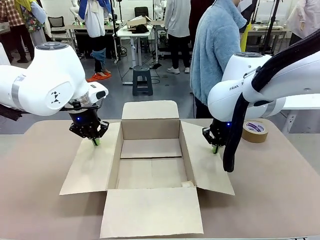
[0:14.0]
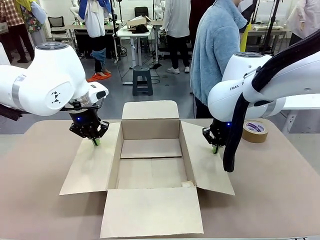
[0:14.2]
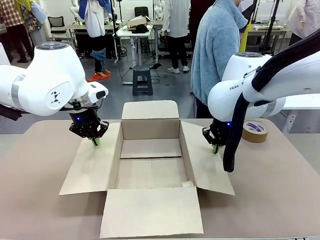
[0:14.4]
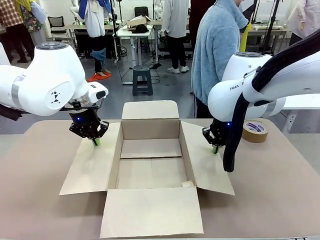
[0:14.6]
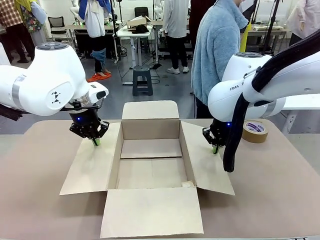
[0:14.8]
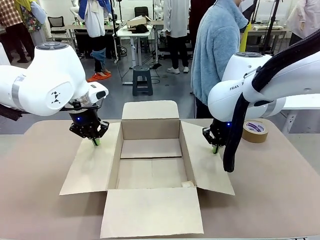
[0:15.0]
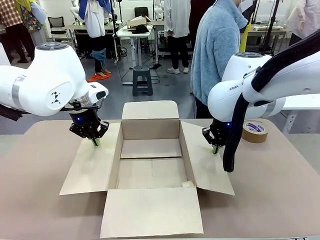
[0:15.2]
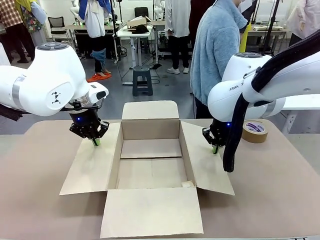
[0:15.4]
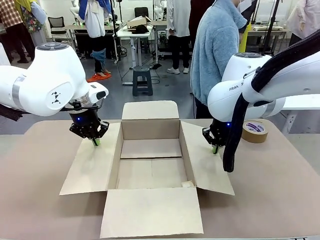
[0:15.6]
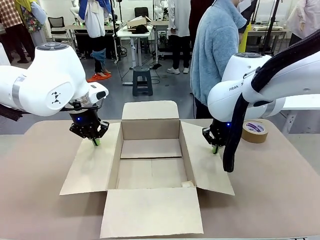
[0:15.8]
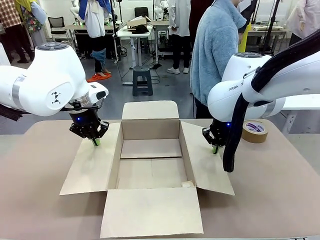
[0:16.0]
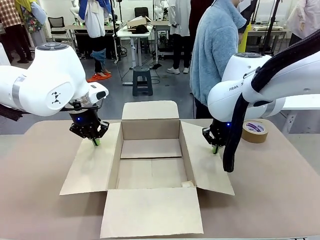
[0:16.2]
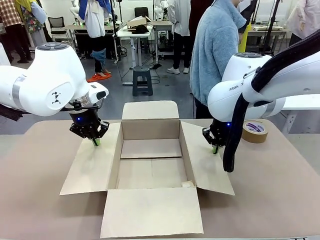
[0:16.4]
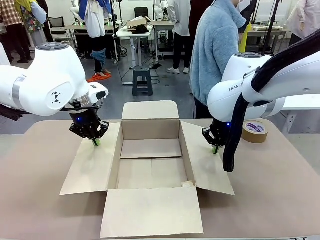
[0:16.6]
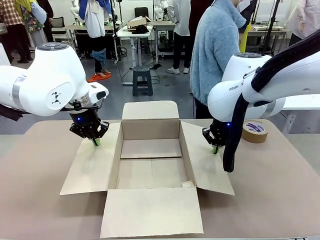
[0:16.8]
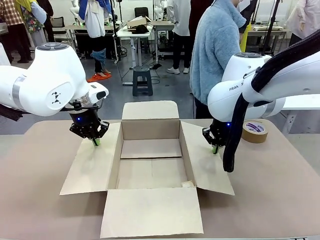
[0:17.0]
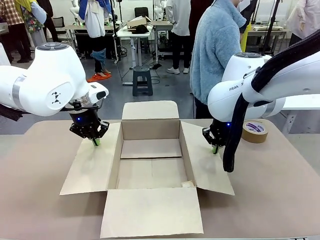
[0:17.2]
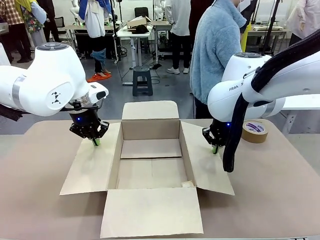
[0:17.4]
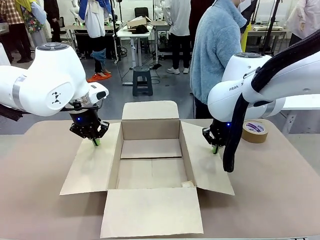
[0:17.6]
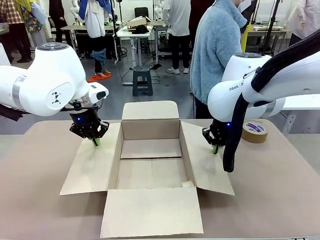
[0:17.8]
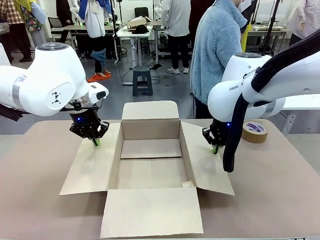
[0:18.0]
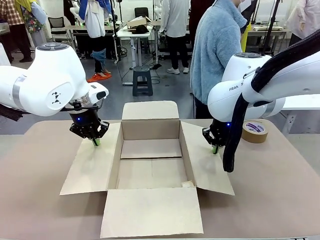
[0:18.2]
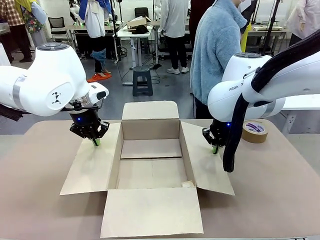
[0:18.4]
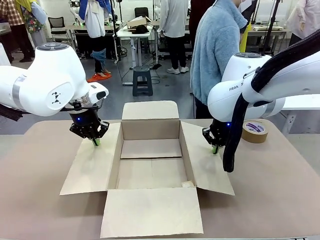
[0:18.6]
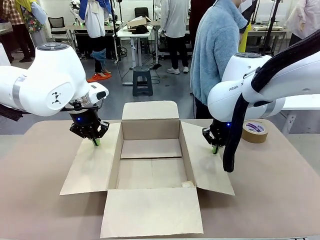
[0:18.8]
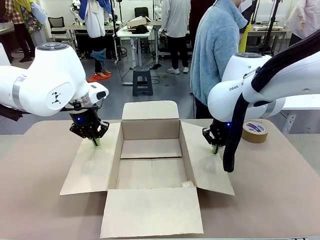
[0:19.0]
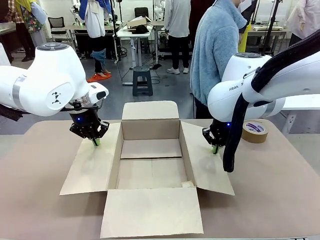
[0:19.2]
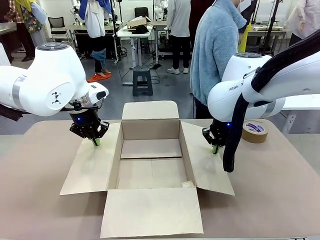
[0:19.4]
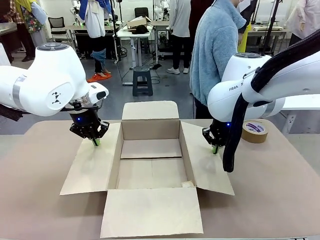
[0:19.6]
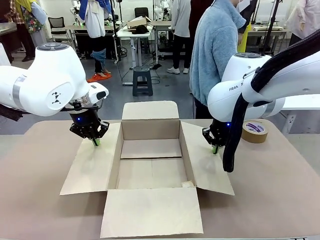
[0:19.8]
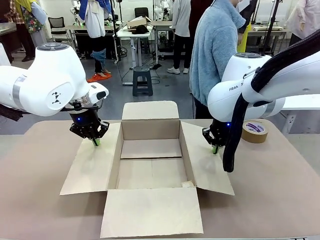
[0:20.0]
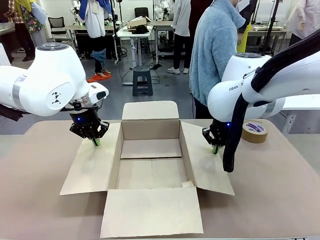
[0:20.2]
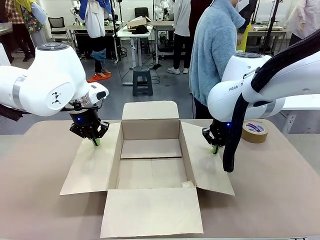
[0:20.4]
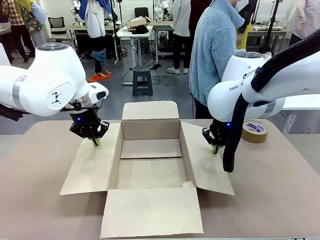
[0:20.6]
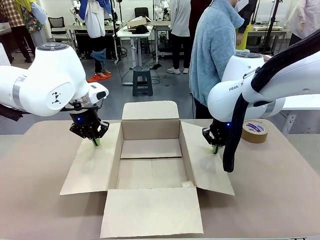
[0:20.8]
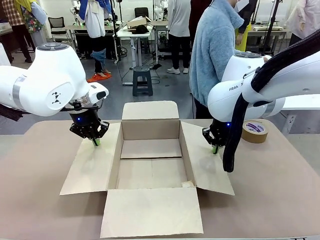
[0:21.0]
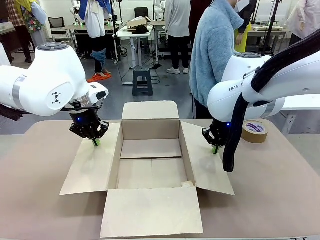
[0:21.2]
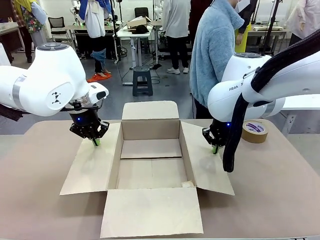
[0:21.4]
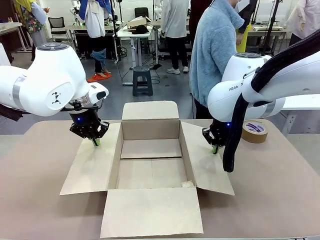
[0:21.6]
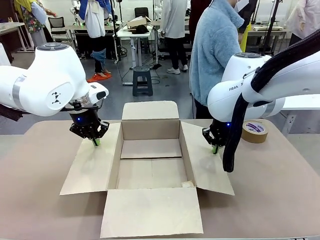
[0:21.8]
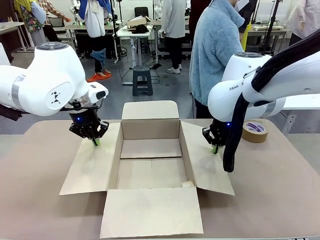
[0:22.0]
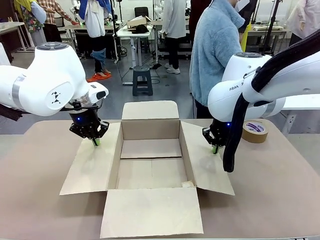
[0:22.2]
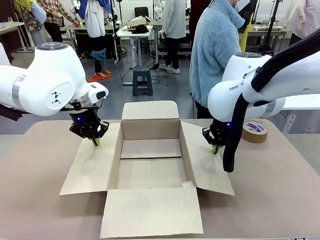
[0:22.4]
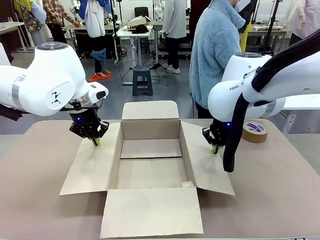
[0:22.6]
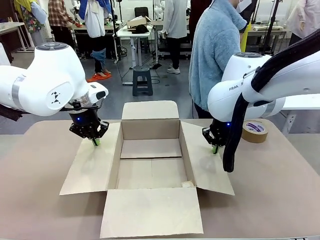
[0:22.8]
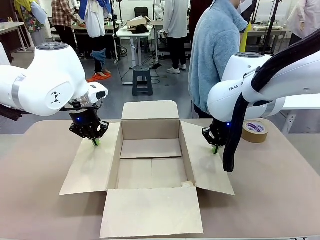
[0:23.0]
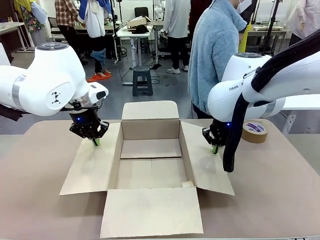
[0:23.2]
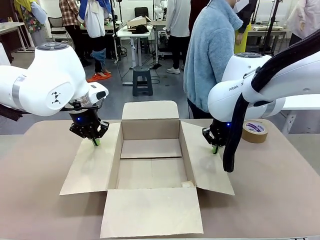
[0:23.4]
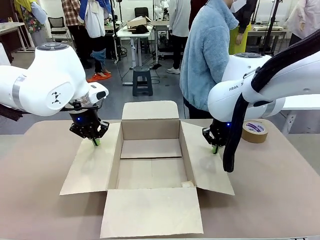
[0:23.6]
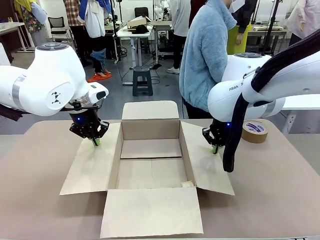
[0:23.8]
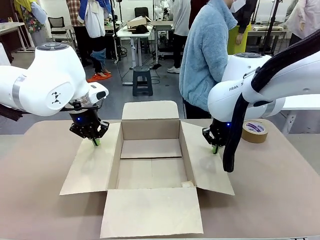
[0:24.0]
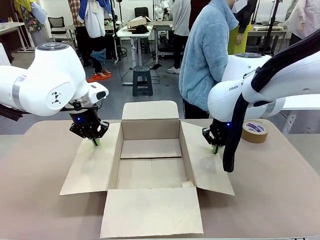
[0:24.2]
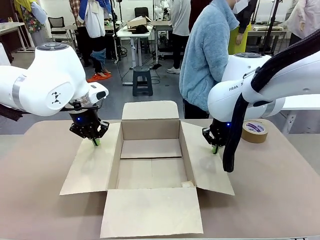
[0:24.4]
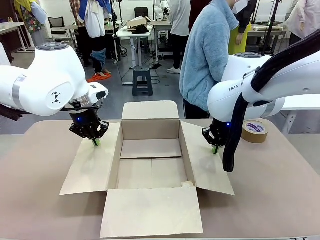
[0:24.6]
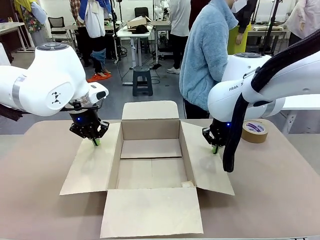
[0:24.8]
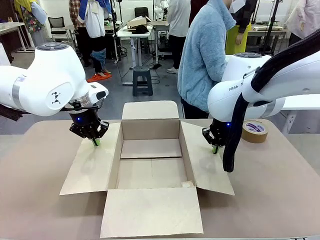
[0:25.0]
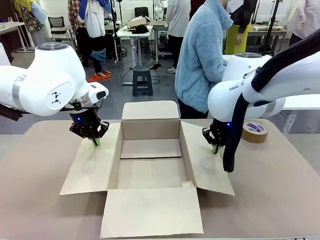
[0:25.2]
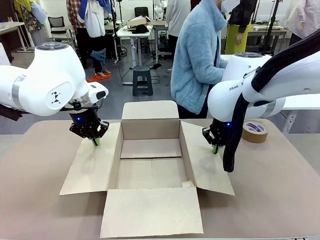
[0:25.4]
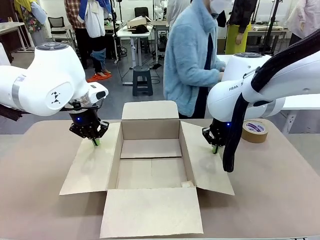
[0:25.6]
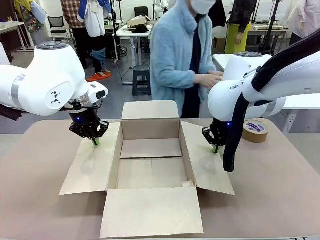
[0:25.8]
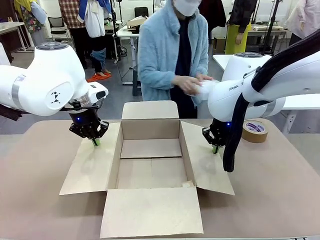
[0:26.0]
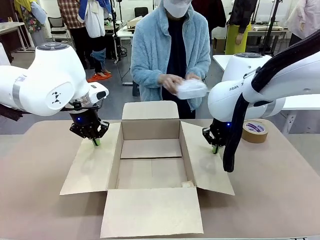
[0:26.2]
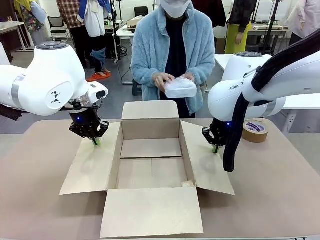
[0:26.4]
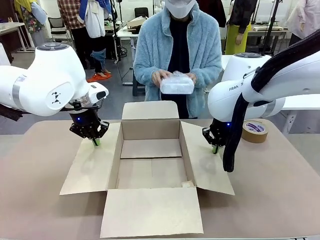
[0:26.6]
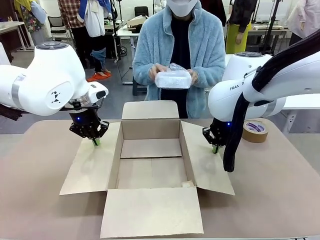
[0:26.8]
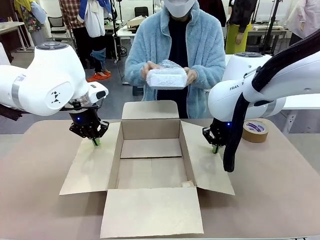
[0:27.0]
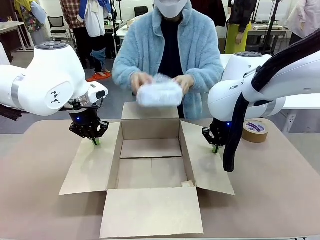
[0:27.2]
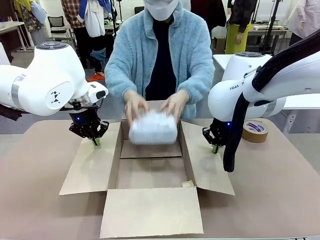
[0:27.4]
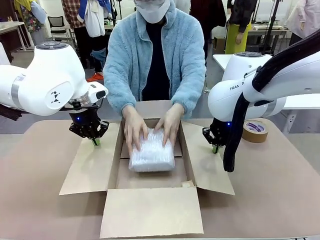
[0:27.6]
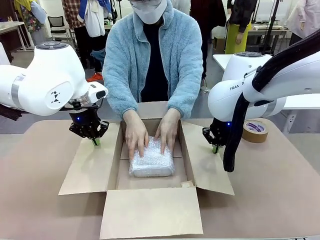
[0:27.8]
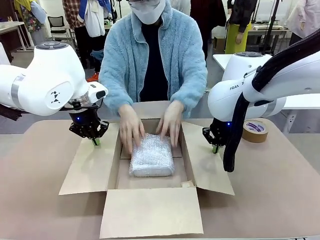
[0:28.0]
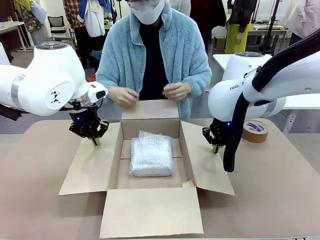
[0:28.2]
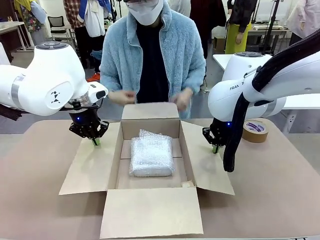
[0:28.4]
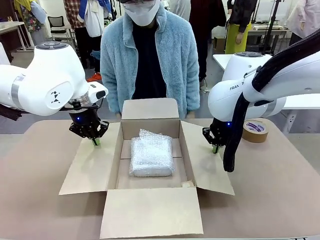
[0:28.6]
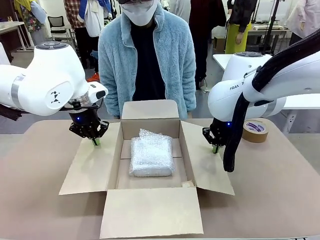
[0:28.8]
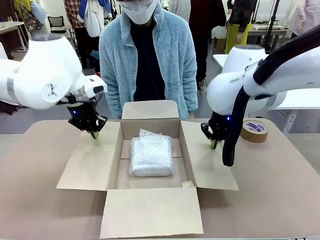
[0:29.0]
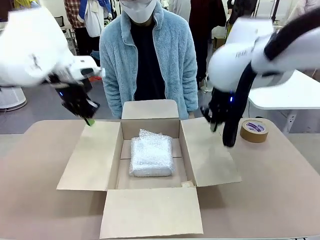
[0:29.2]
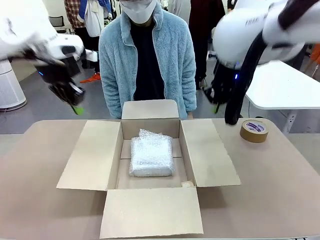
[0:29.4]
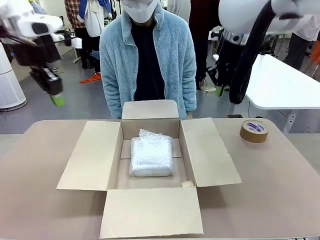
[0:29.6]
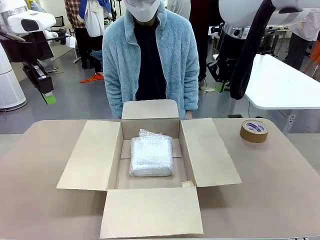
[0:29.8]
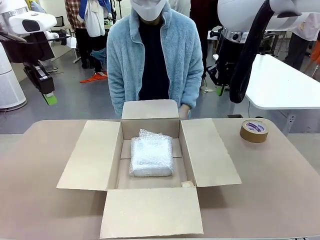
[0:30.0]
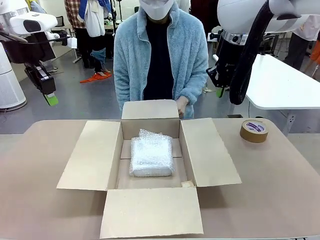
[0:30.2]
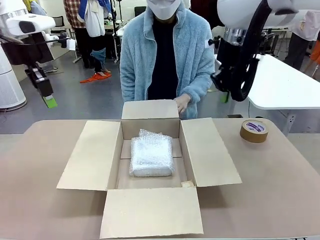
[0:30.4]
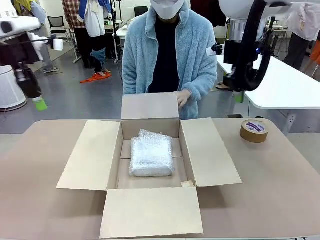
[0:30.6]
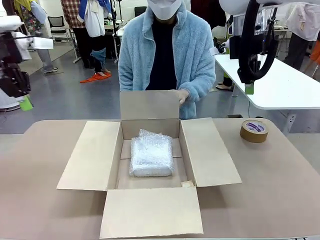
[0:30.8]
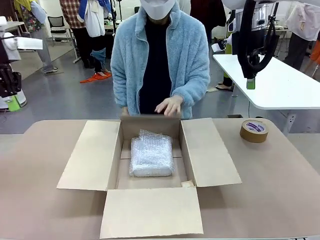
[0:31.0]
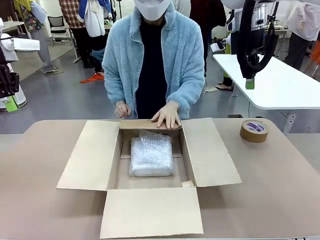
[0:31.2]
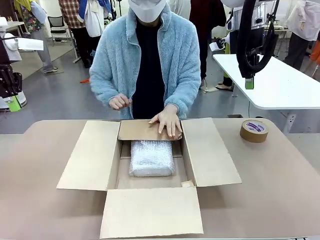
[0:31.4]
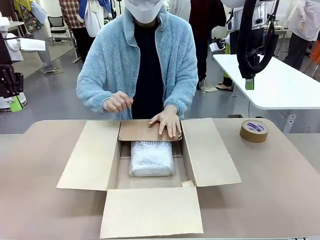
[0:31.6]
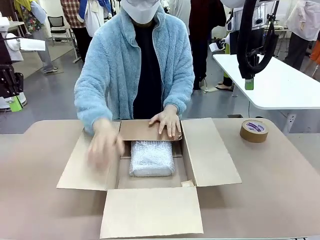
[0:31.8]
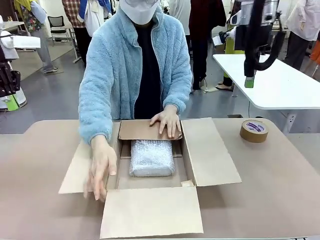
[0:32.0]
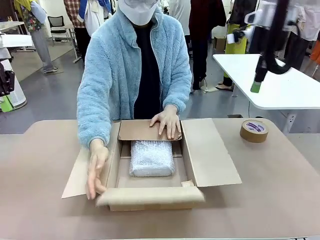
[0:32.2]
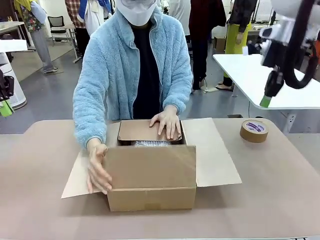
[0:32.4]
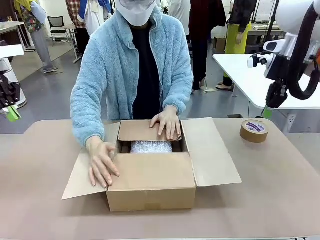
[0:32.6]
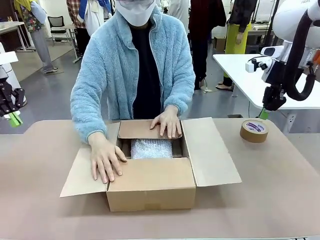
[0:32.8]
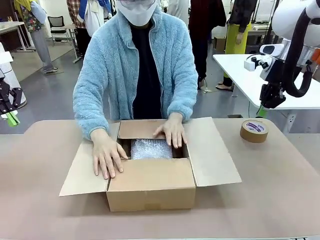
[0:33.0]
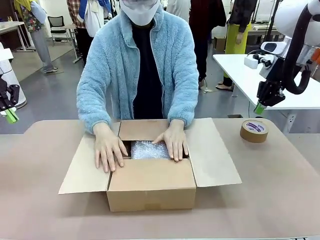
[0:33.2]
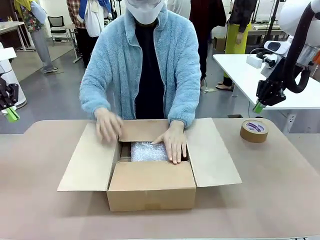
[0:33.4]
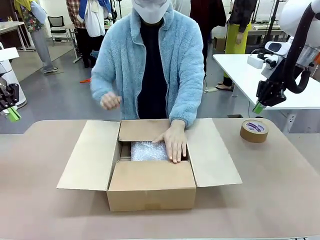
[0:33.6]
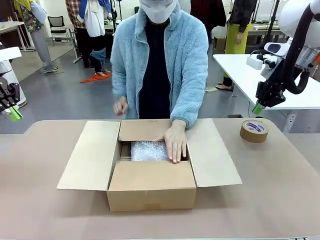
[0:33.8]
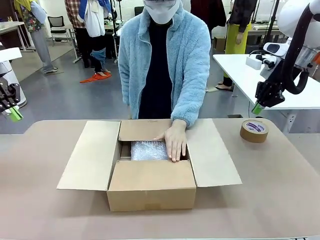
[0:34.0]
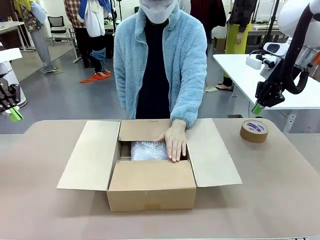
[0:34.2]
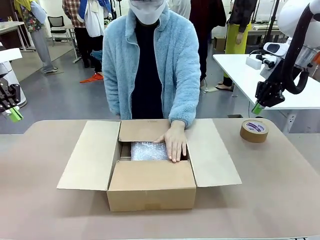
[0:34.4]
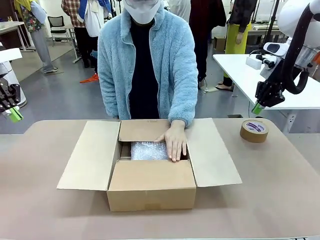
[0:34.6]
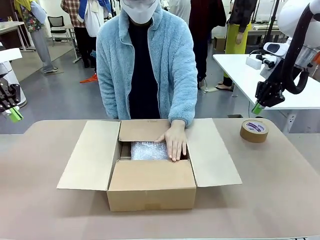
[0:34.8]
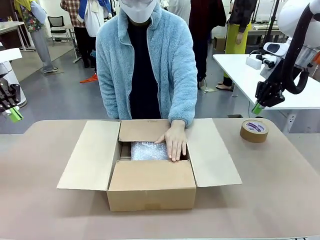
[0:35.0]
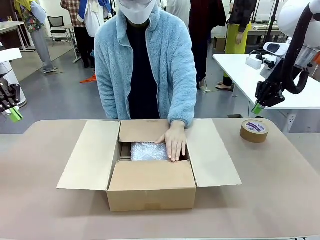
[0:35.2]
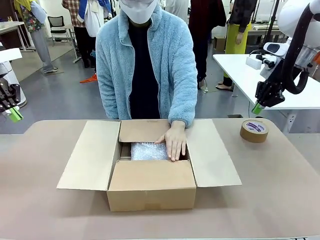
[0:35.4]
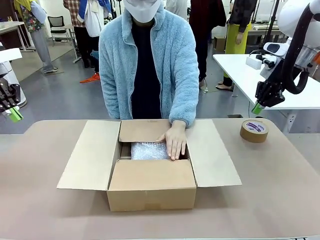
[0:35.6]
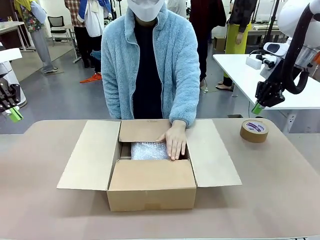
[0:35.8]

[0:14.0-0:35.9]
Task: Wrap the clocks to prevent damage.
Robot: Once the human has placed the objects inside and stepped back, release both hands from the side flaps of the Package Box.
Person: Place the wrapped Digital clocks inside the Package Box. Hold the top and bottom flaps of the Package Box closed with your left (or right) hand.
